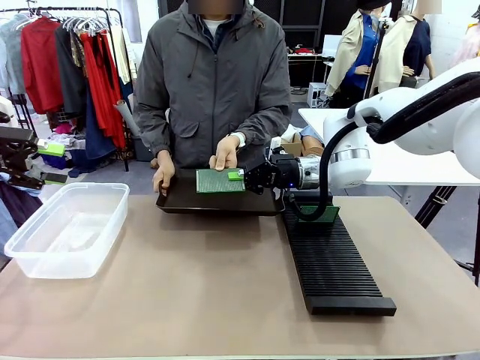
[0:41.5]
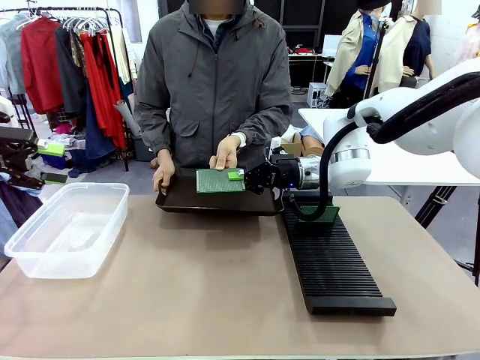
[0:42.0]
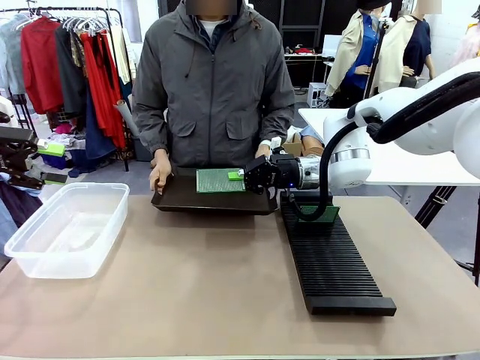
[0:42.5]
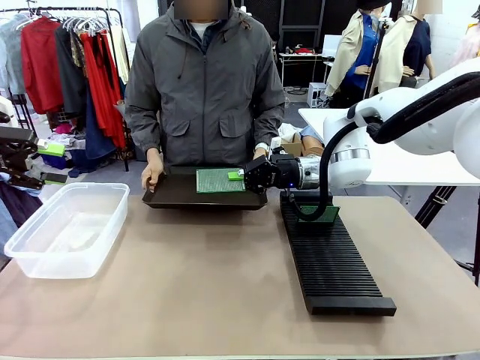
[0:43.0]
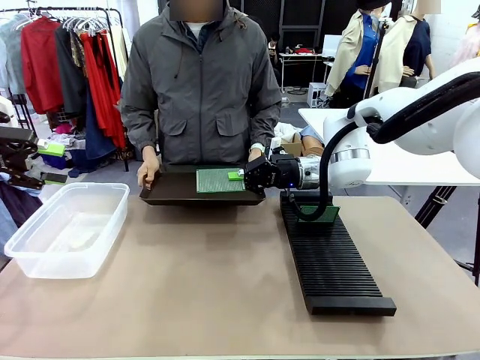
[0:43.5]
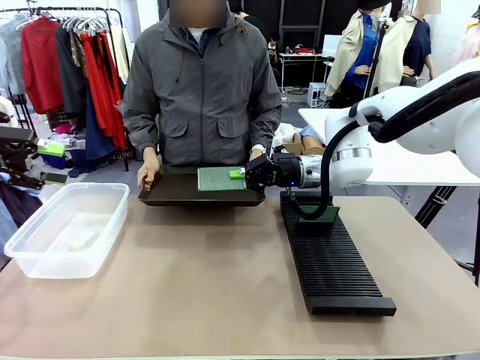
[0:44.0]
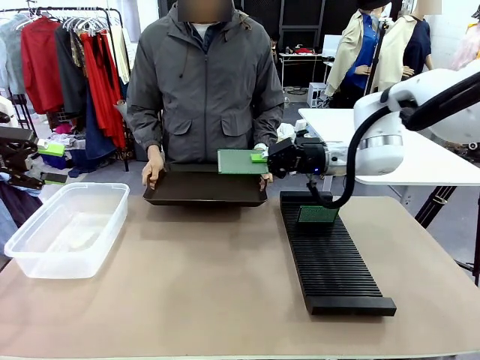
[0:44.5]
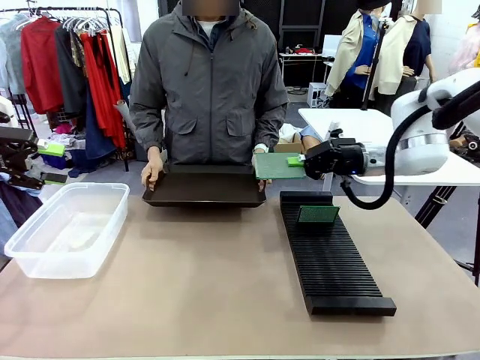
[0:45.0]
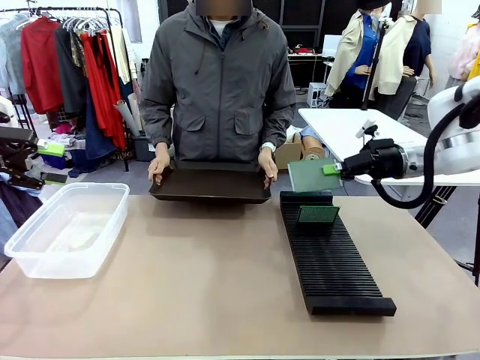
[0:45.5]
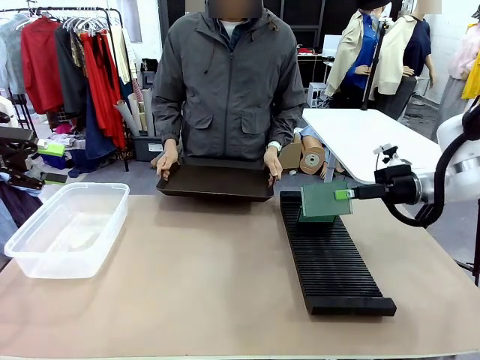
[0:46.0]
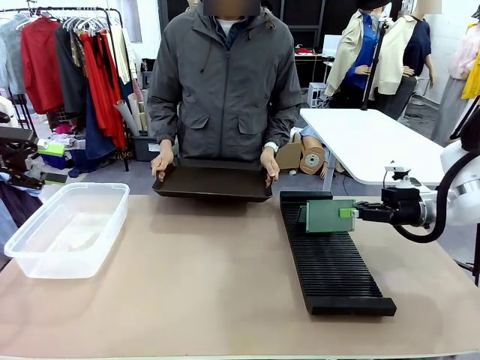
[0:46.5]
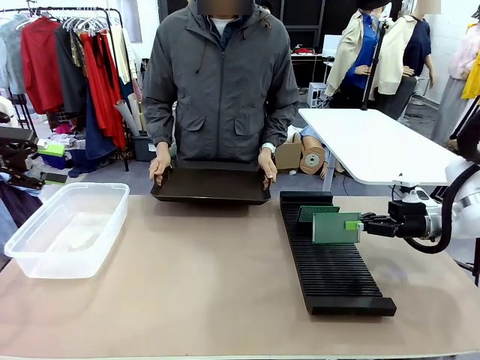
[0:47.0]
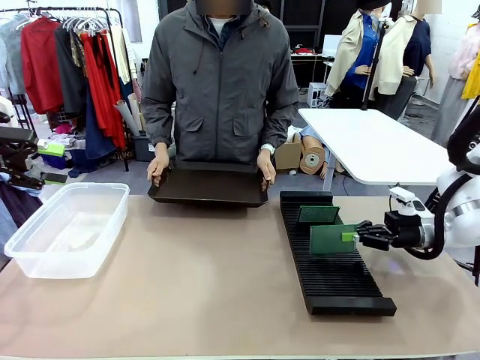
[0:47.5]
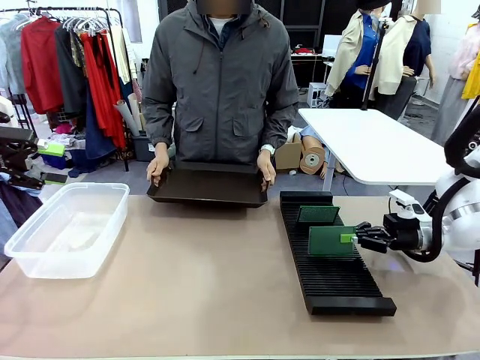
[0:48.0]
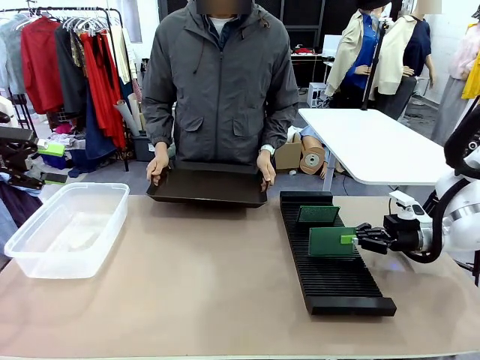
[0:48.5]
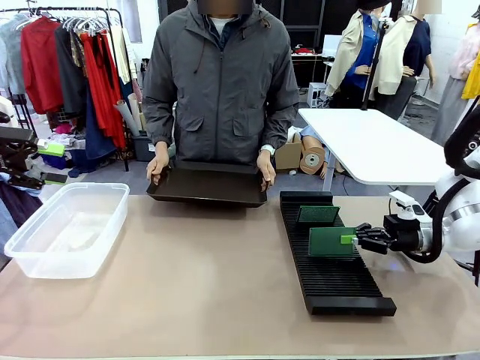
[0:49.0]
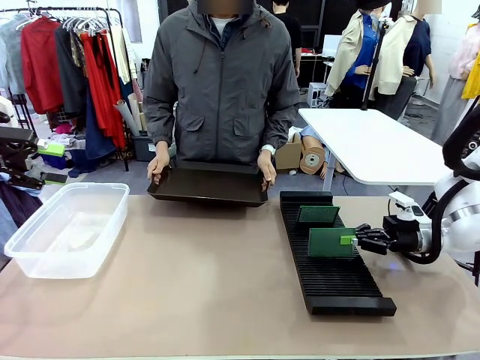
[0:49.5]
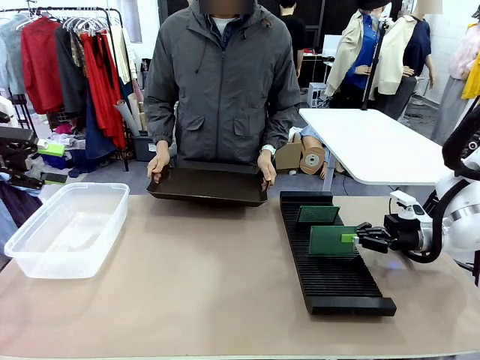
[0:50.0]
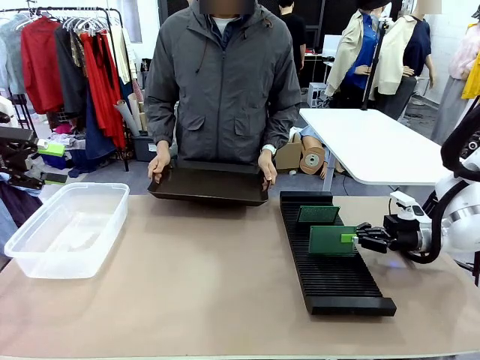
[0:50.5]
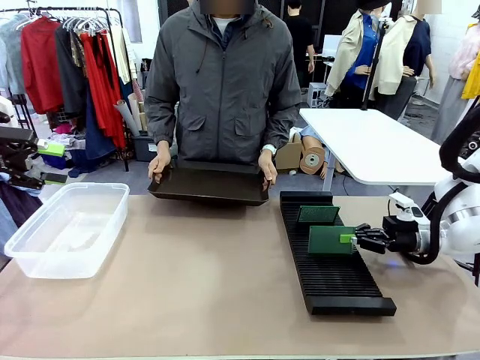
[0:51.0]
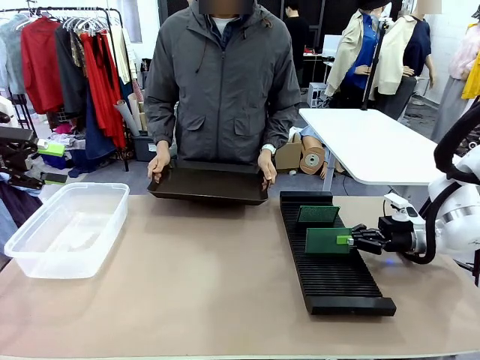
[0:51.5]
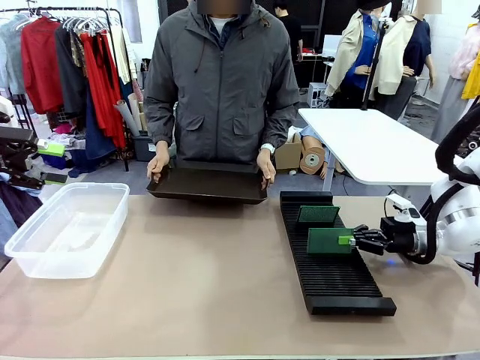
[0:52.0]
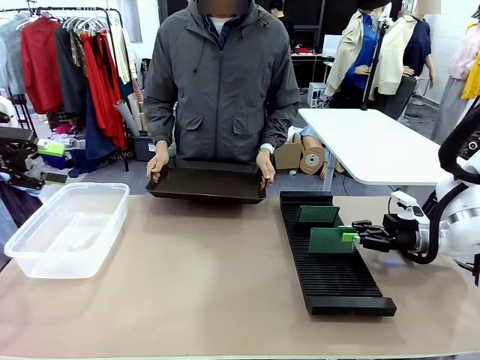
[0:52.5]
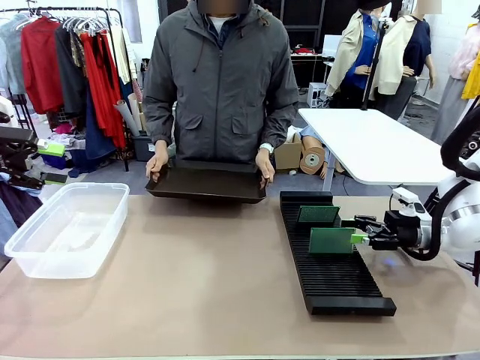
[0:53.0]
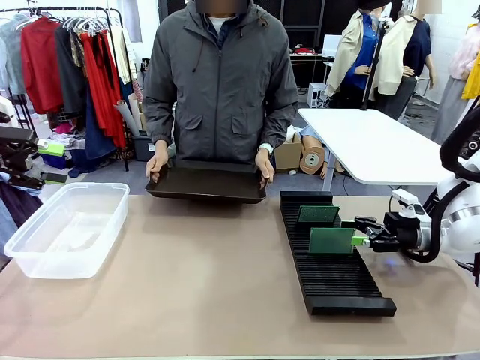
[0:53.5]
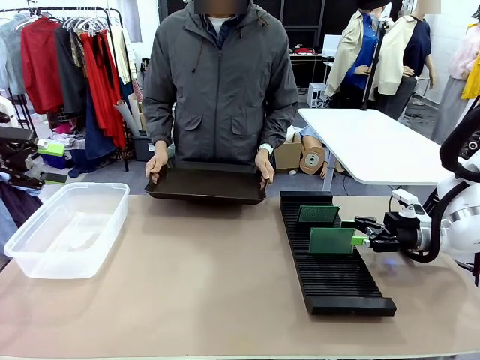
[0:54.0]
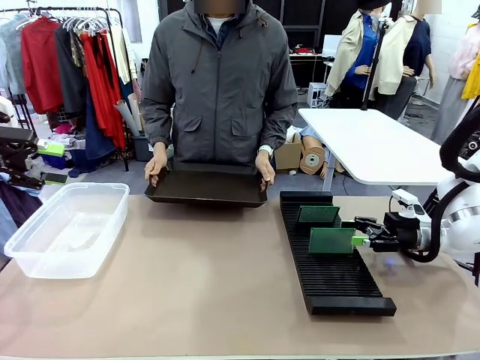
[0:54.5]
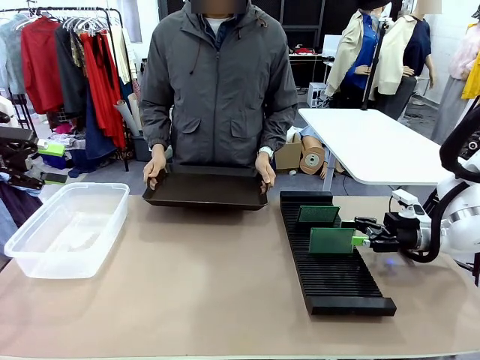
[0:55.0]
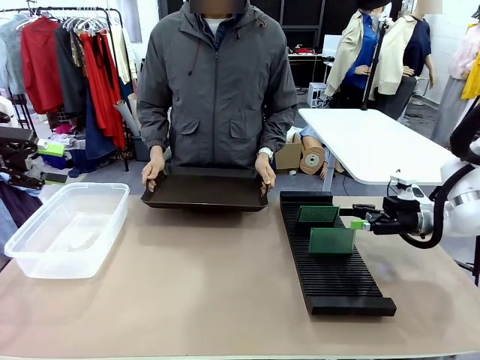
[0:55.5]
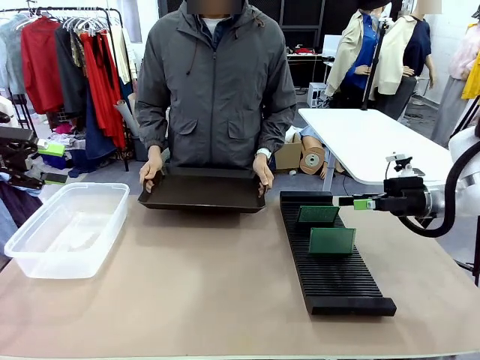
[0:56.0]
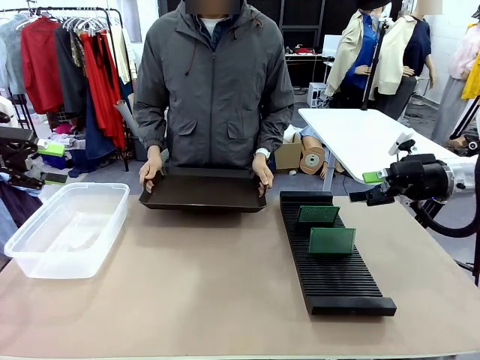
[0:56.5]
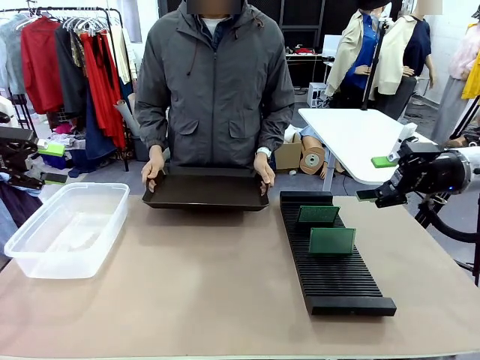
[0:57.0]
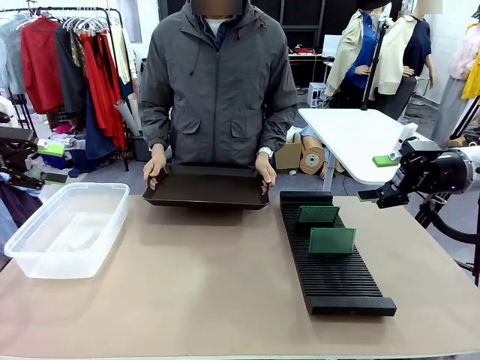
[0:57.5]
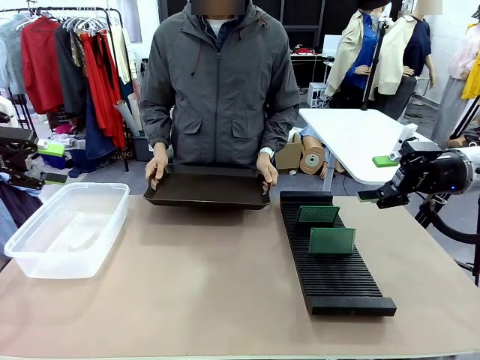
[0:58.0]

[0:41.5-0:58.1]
Task: Sort PCBs into racks and boxes based on the side picked up.
Robot: If the short side of the Blank PCB is picked up, insert it into the PCB Rack ; if the long side is picked up, place it in the Organizing box.
Person: Release the PCB being held.

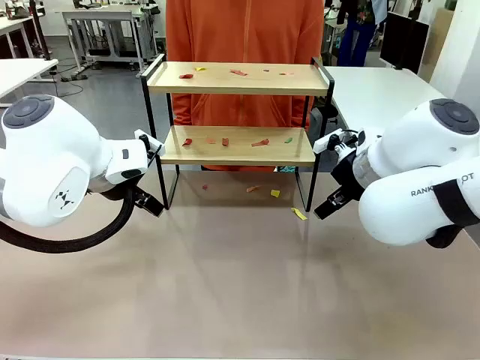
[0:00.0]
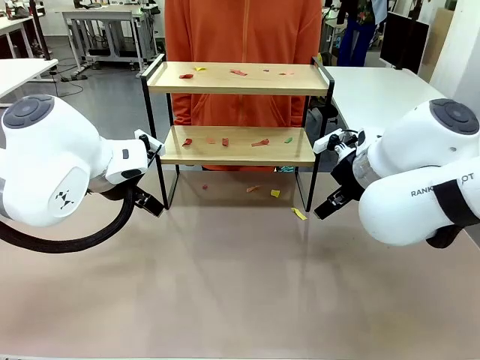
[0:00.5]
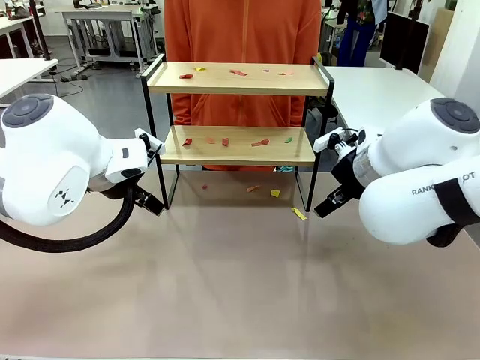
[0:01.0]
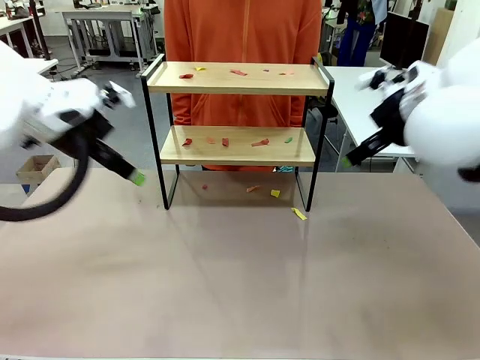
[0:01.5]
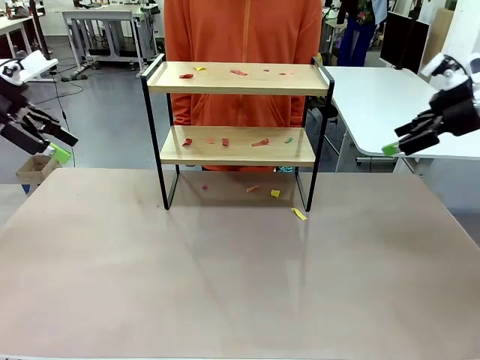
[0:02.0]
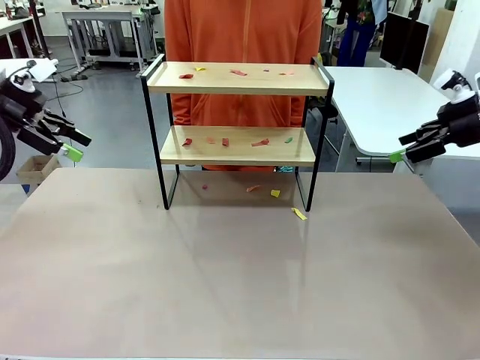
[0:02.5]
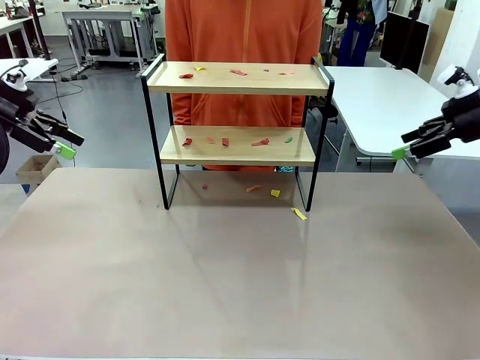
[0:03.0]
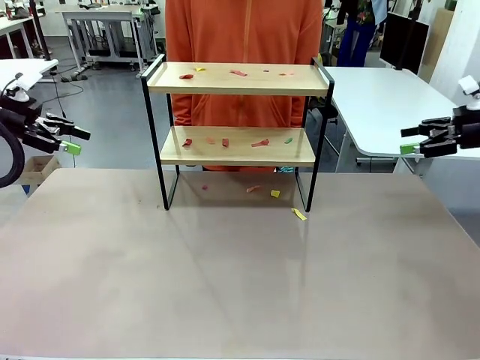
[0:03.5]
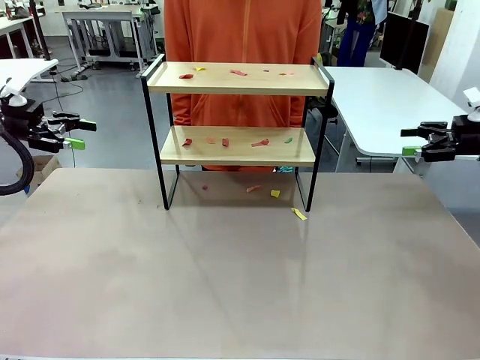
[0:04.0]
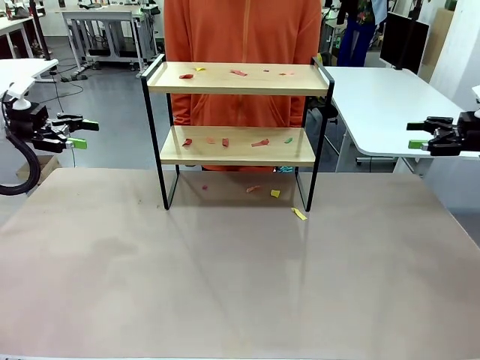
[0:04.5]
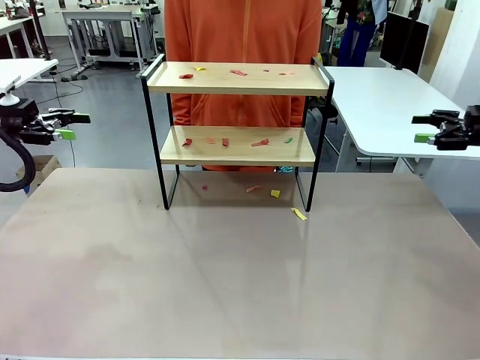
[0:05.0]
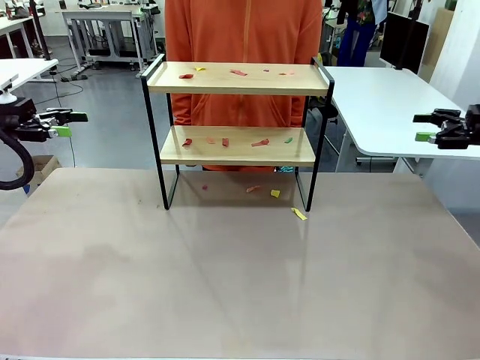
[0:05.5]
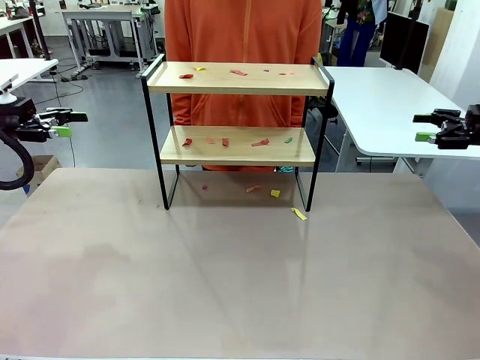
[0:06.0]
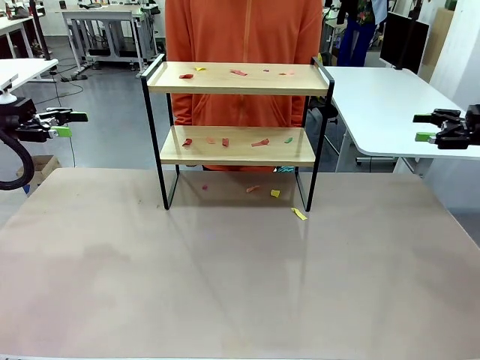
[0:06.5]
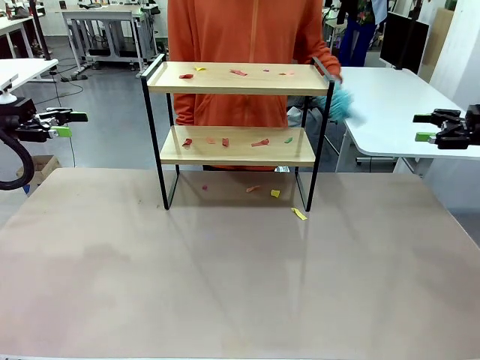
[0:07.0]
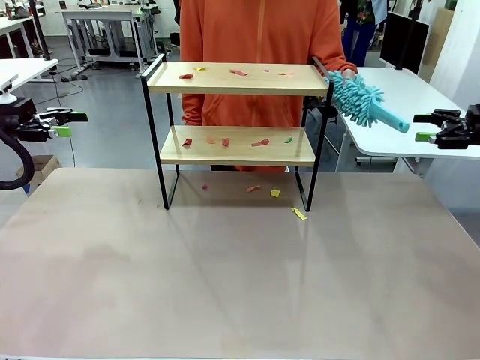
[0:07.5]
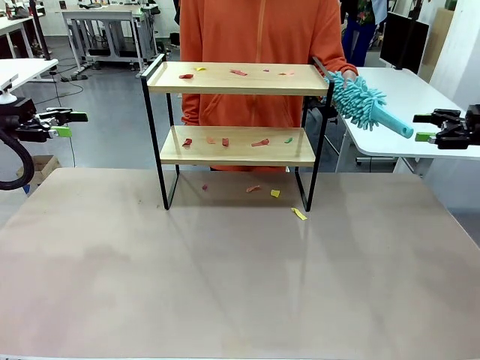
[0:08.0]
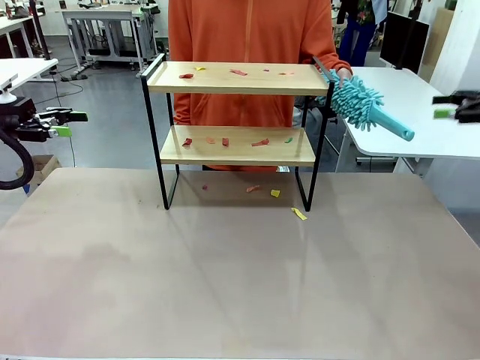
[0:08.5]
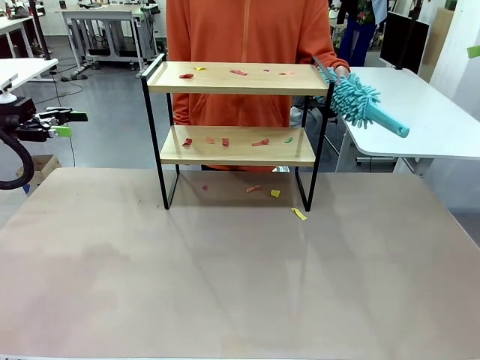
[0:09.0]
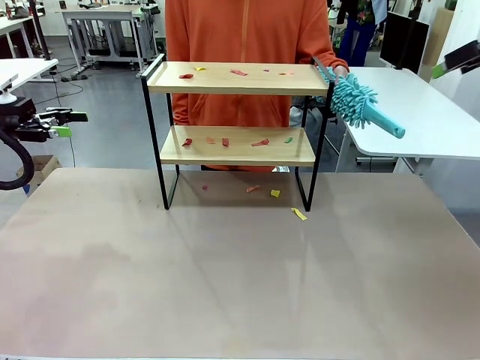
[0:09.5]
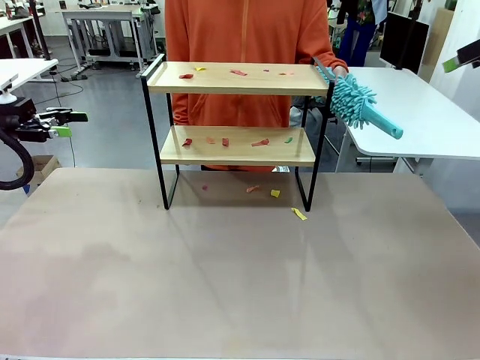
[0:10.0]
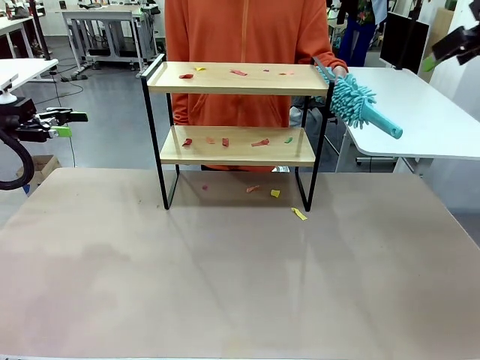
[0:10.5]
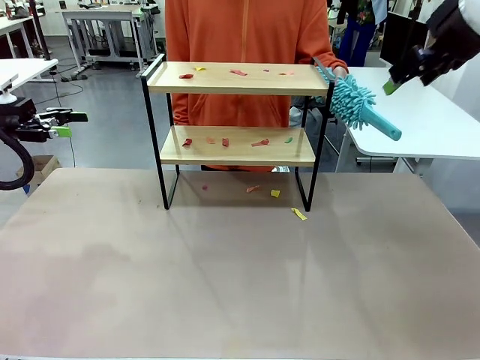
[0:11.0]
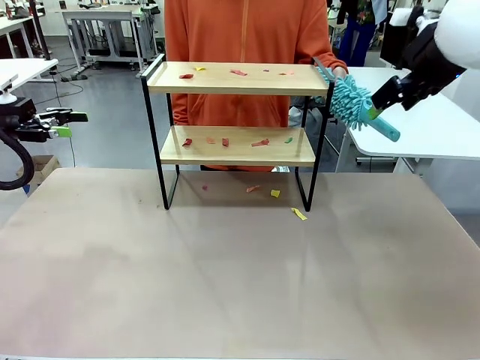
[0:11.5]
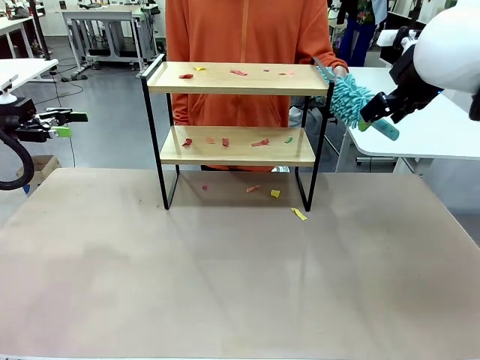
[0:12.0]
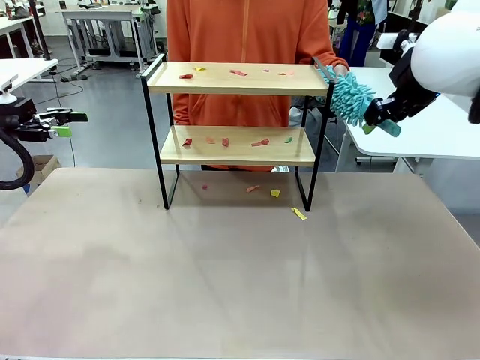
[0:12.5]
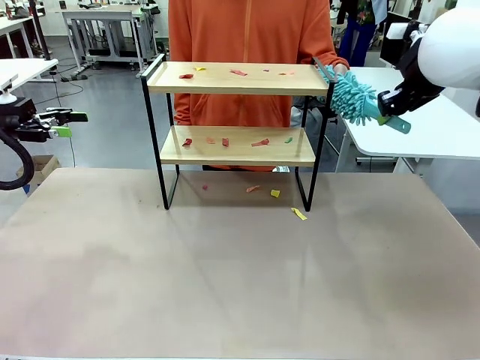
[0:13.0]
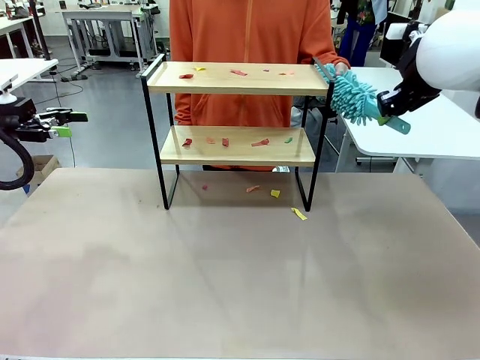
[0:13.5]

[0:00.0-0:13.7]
Task: Clean the shelf.
Robot: Pick up the Duster handed by the human.
Person: Hand the Duster to the robot.
